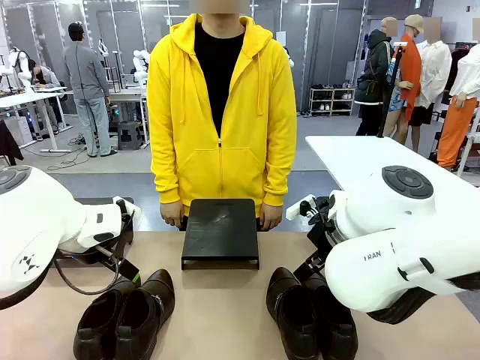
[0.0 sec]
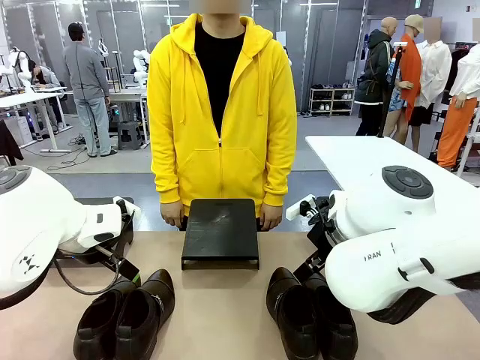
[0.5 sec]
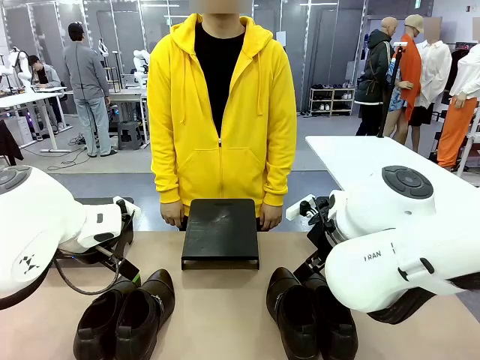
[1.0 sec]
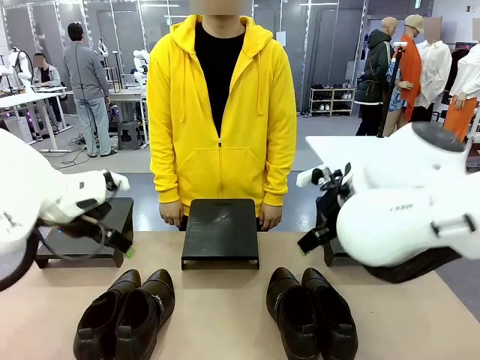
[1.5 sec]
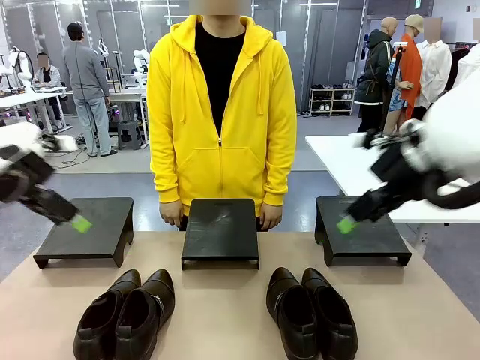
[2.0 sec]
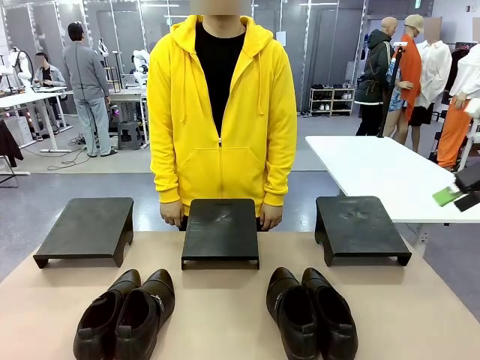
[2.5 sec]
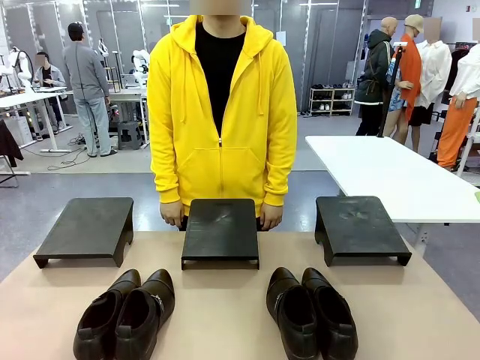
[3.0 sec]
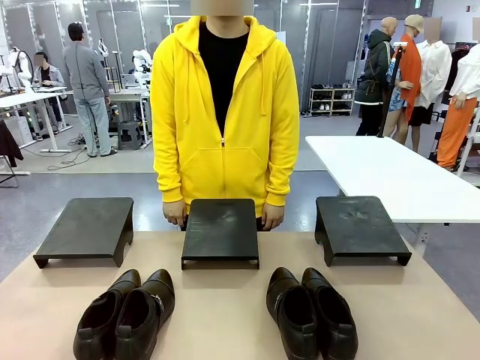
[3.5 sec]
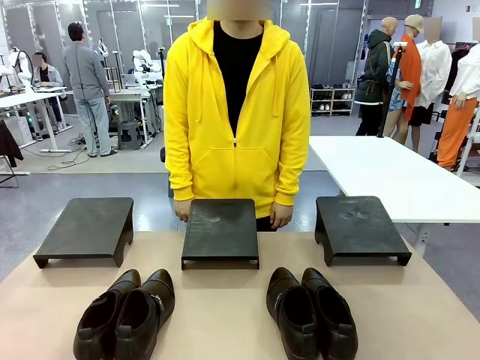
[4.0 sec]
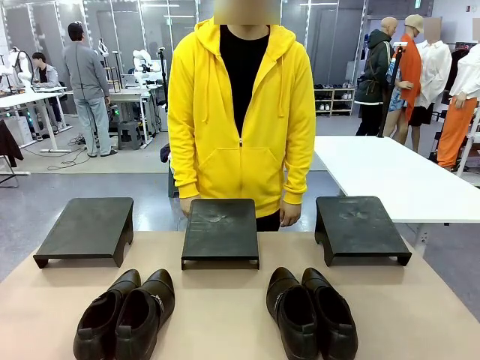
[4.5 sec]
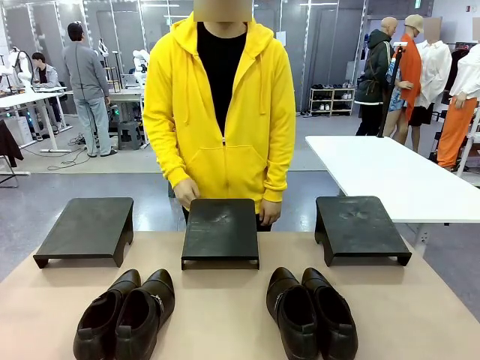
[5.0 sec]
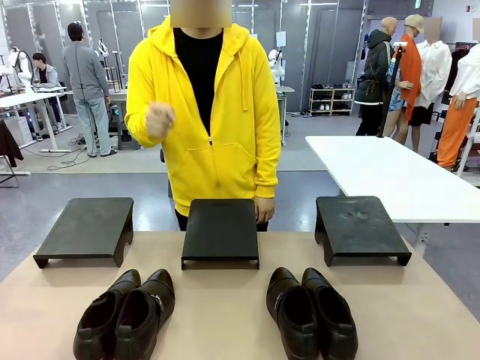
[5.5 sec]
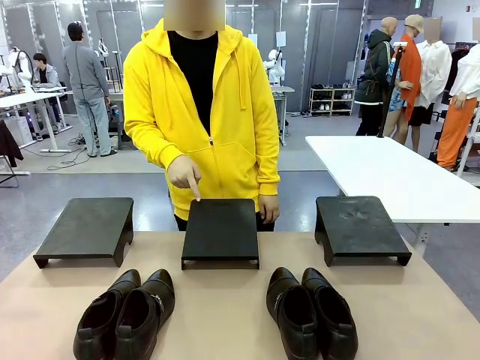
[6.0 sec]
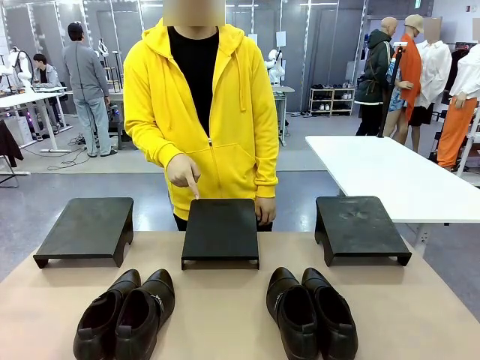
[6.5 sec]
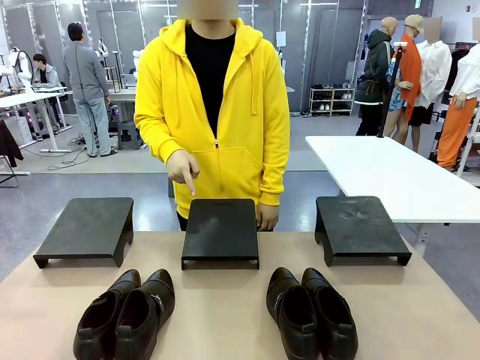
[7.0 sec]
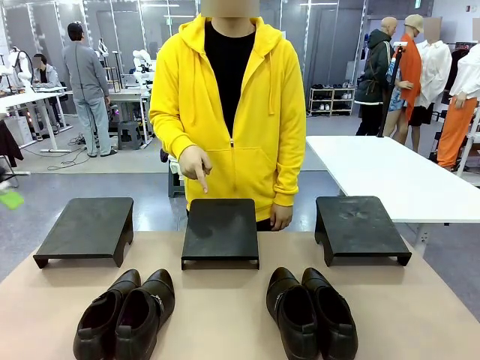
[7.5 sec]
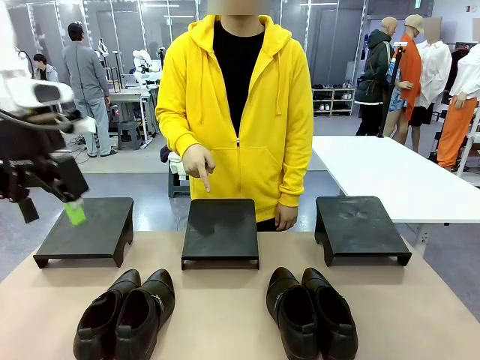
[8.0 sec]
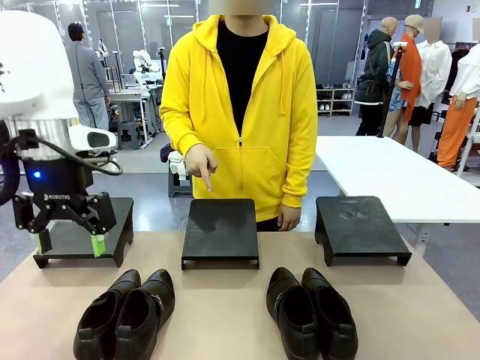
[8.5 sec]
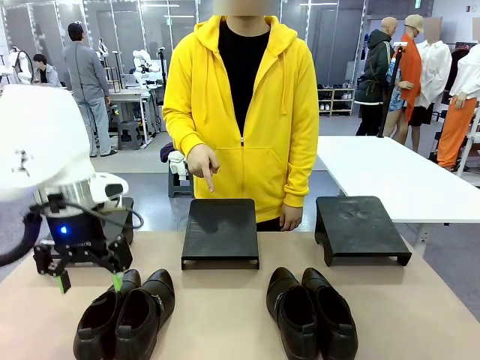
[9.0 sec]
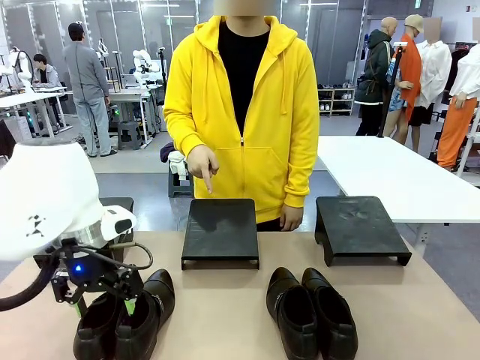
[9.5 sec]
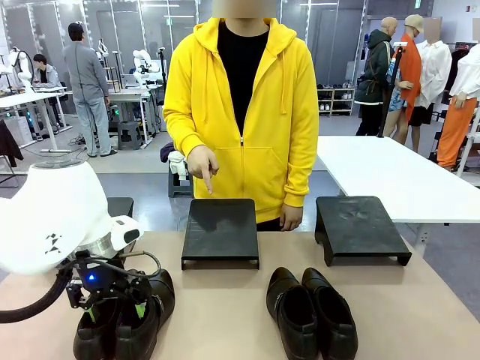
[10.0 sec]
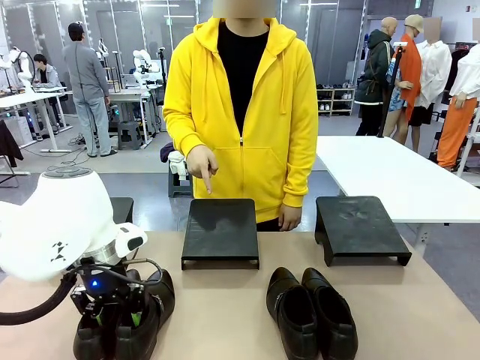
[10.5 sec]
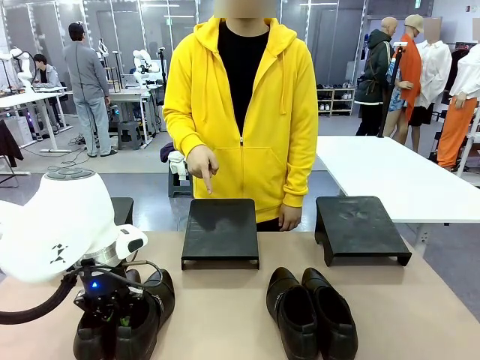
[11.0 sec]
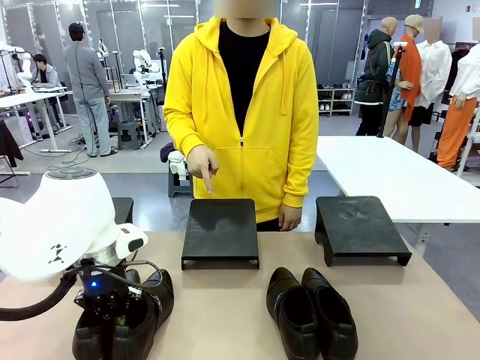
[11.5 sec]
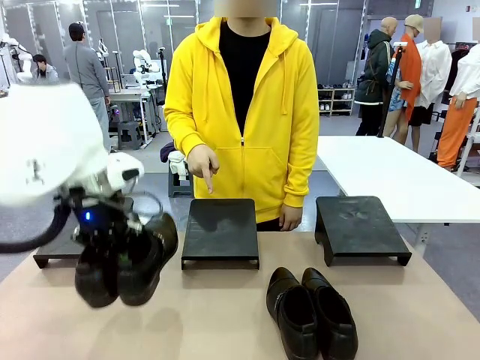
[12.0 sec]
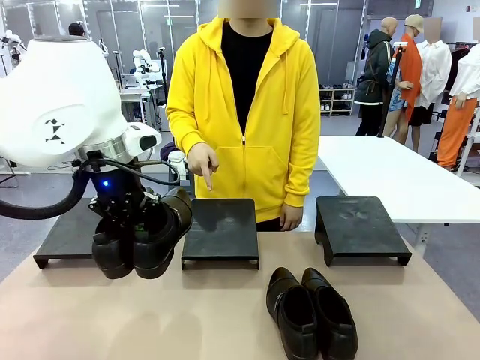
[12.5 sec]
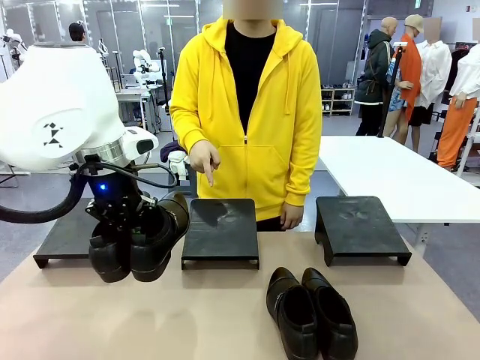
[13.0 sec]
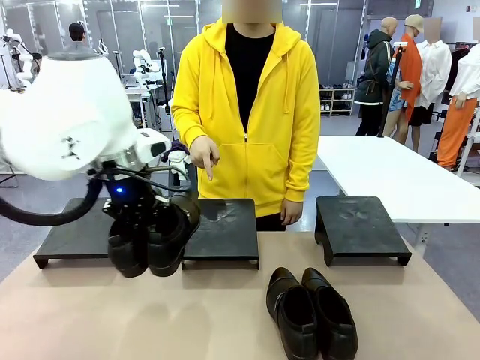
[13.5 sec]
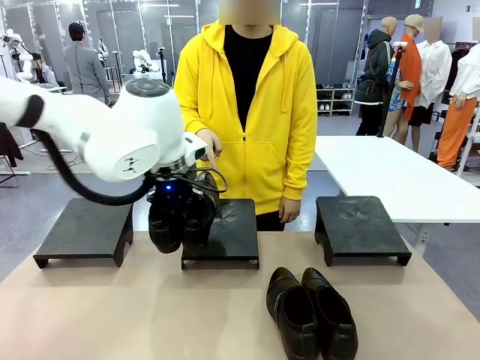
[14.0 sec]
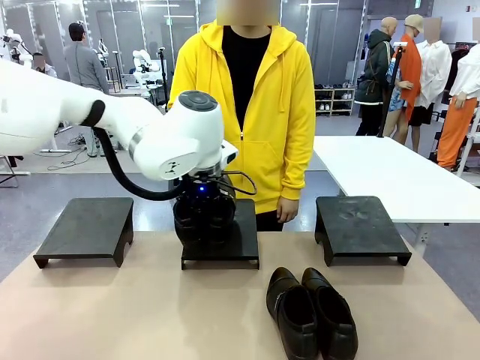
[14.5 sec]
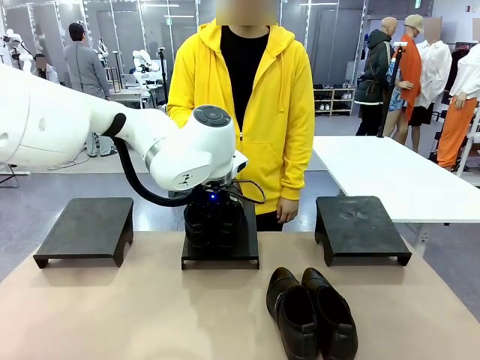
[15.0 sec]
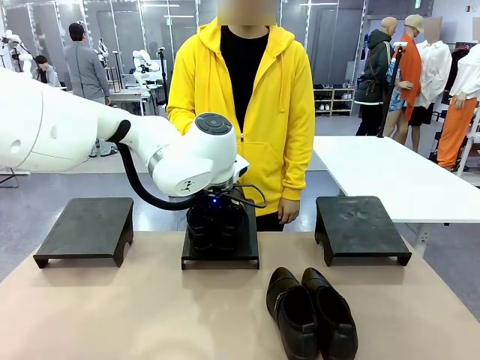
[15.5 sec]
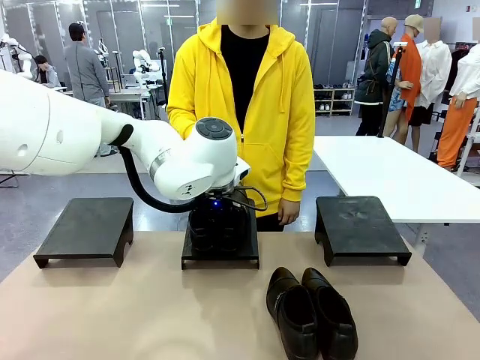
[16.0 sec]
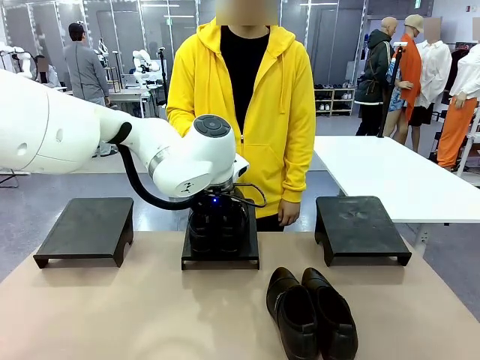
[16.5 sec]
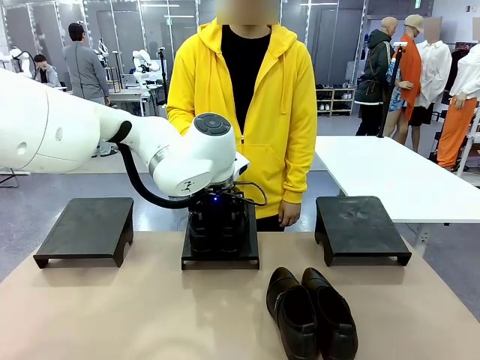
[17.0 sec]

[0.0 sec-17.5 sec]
Task: Place the shoes on the stand as instructed by the person.
Robot: Pick up one pair of Shoes and place it on the Shoes Stand indicated by the person.
